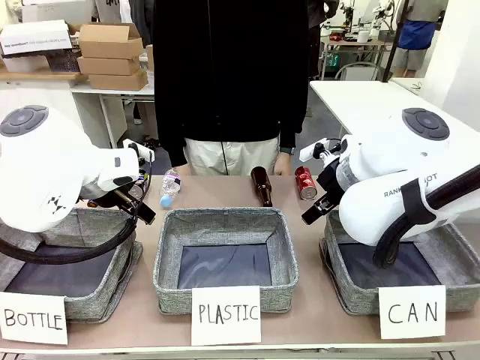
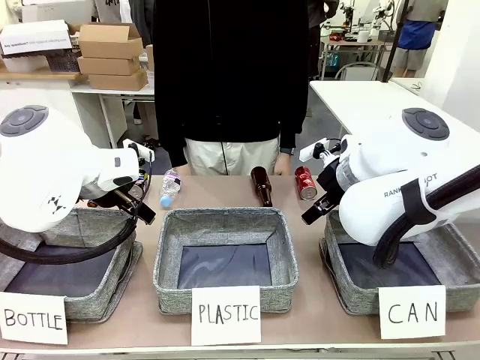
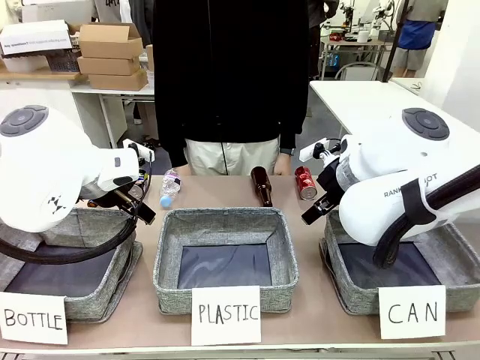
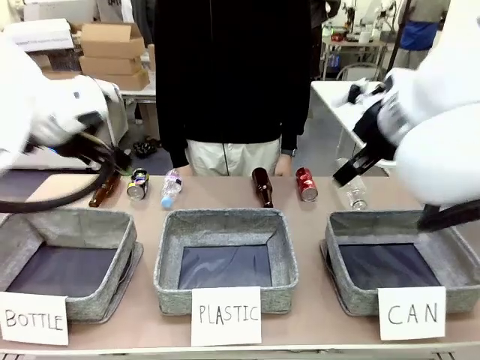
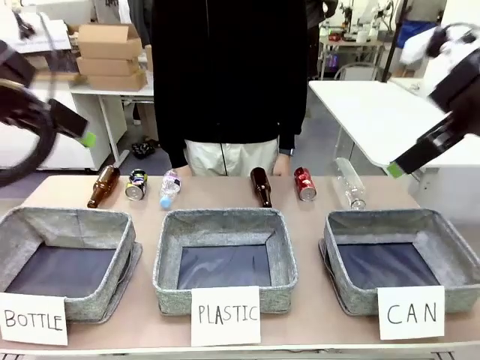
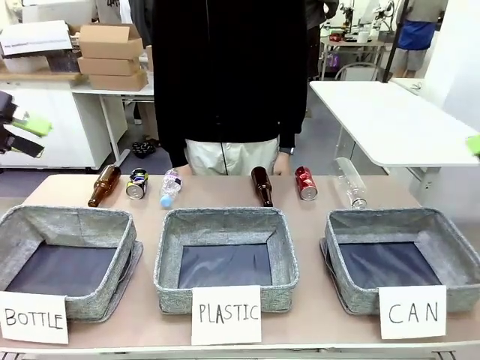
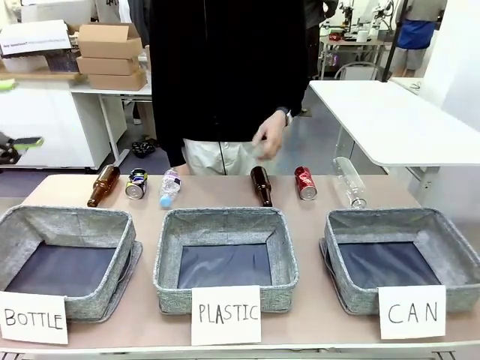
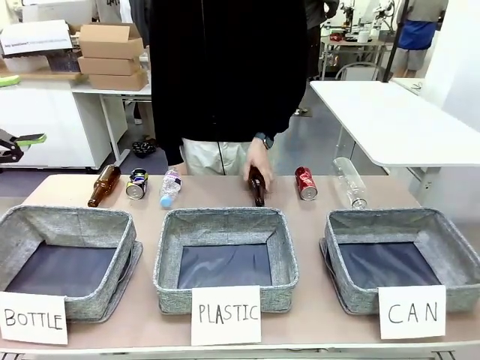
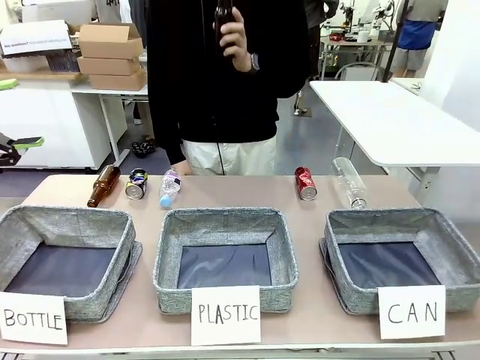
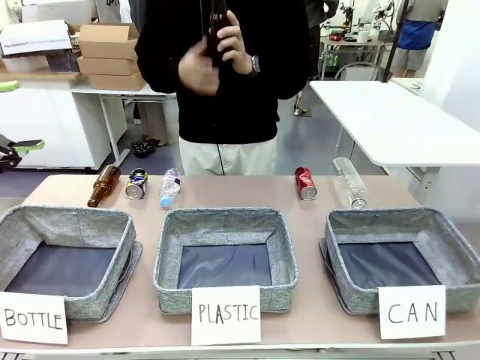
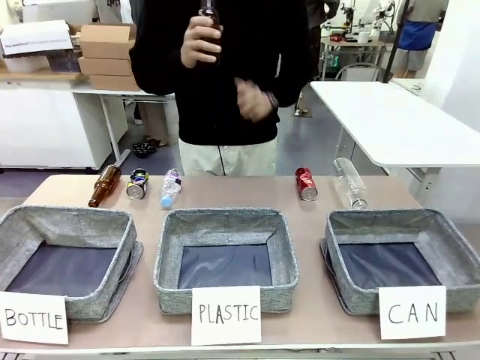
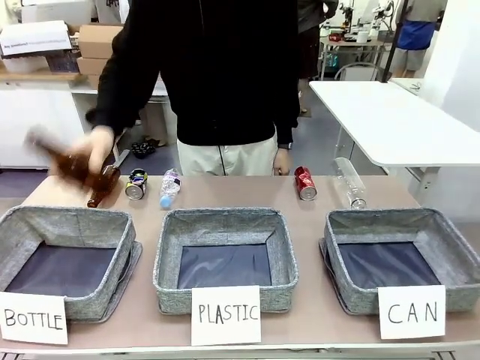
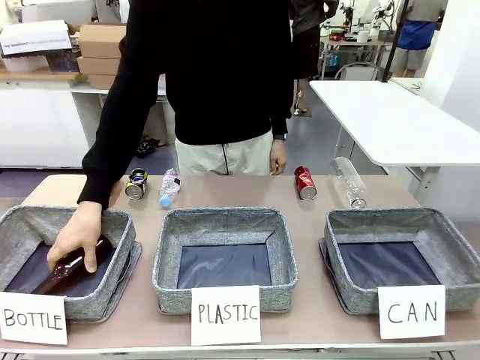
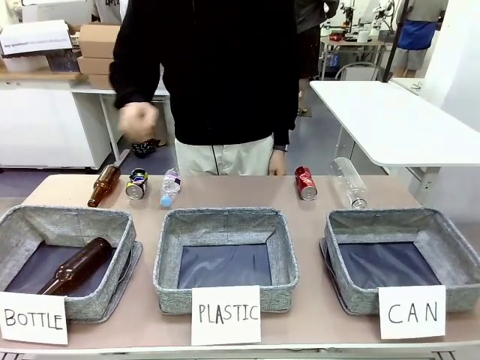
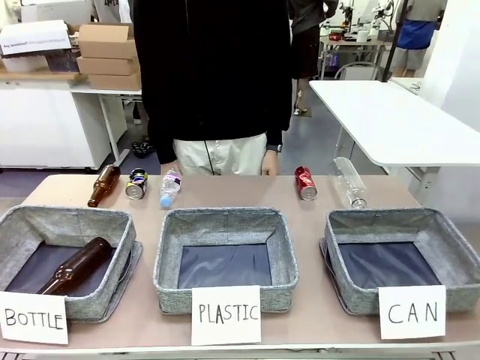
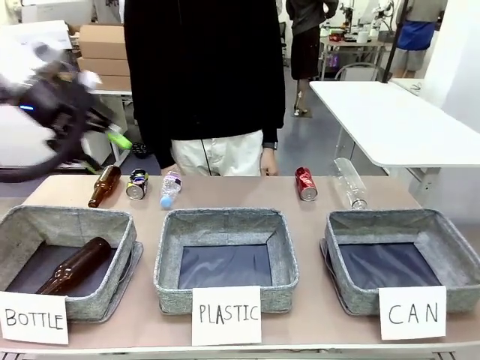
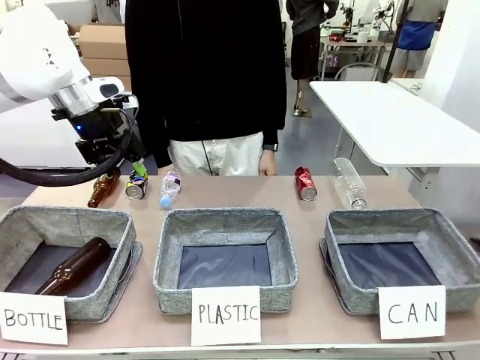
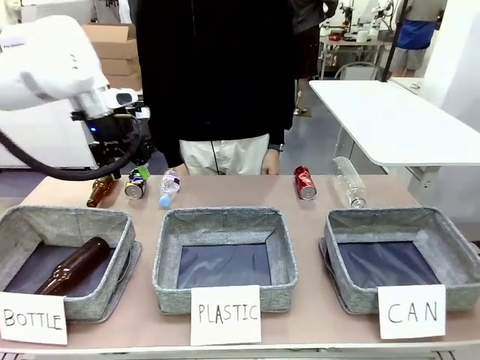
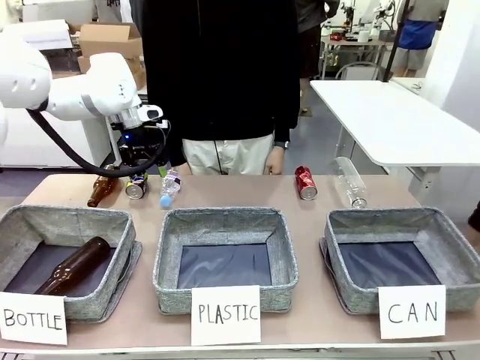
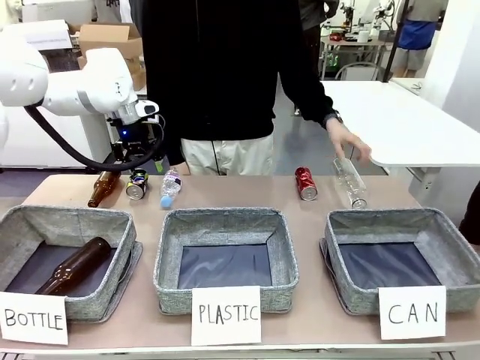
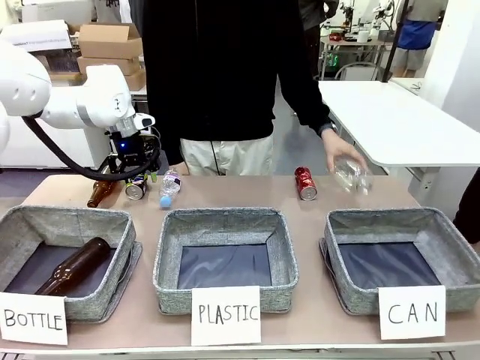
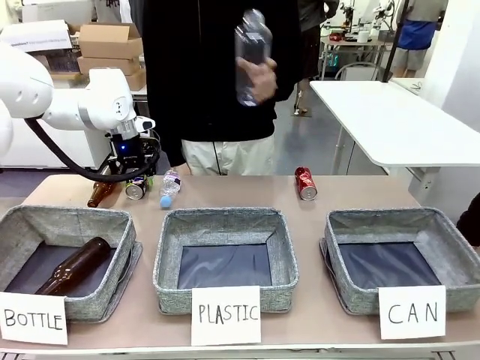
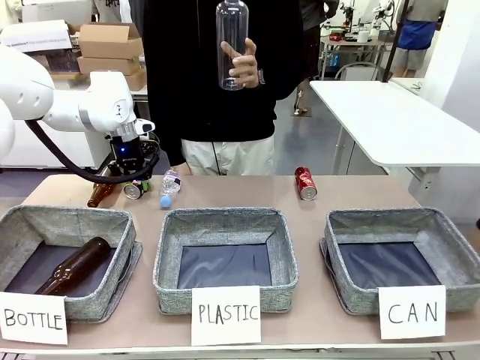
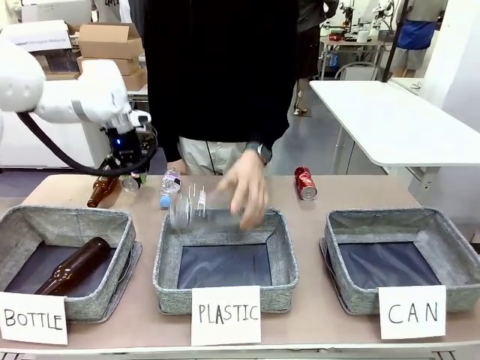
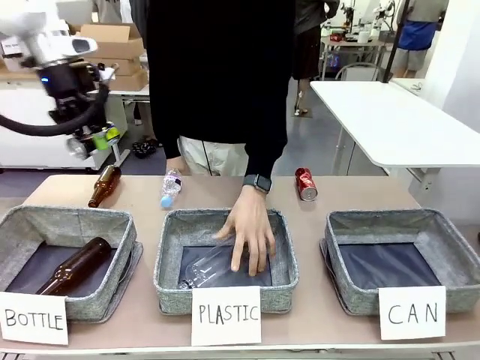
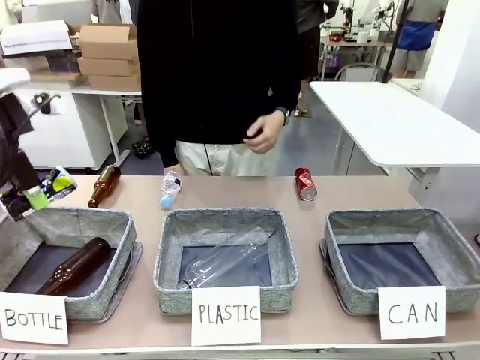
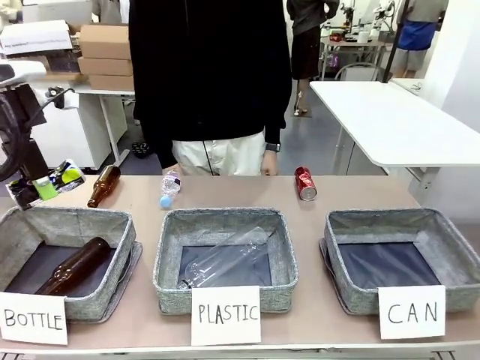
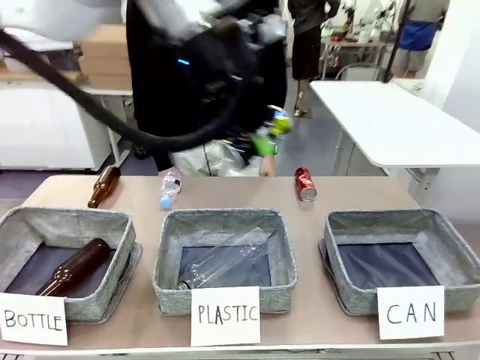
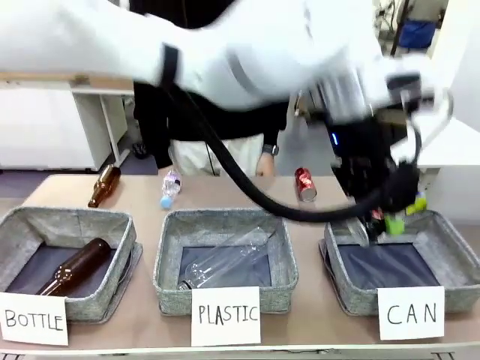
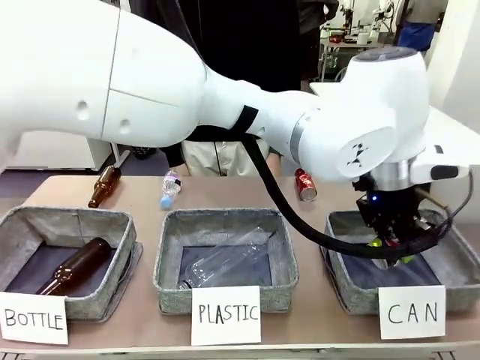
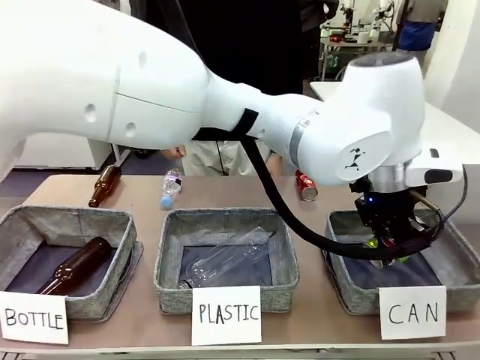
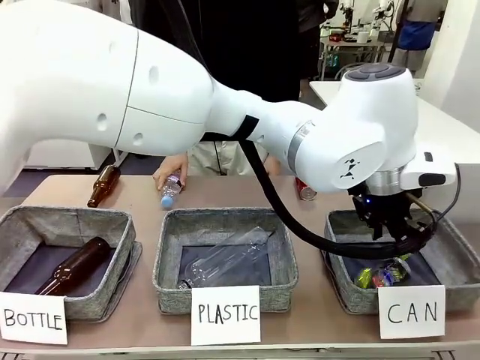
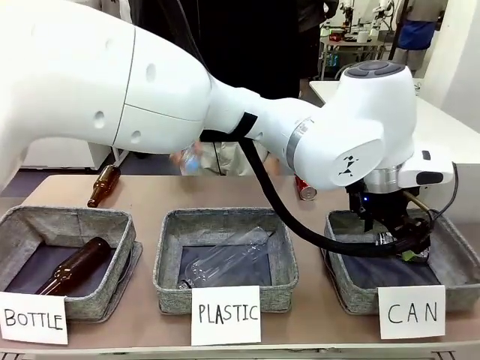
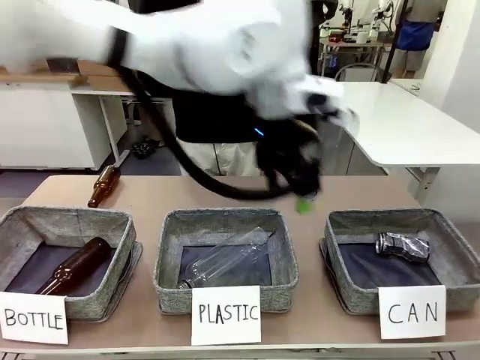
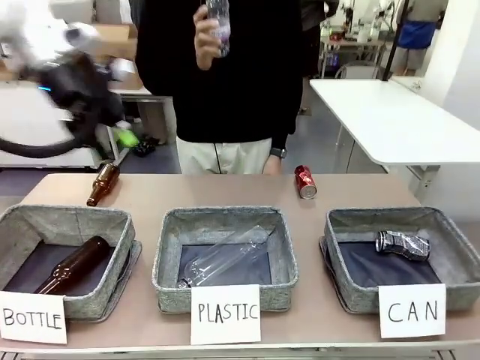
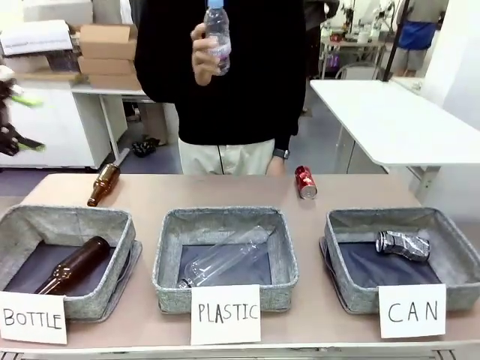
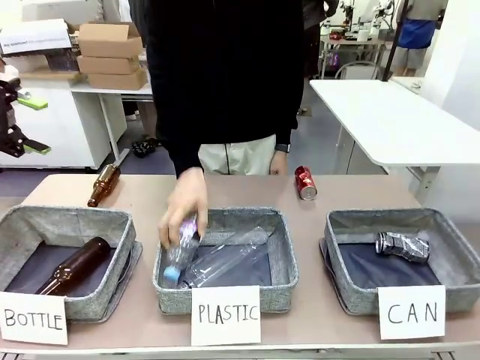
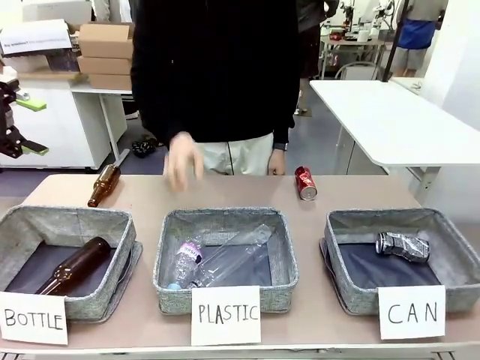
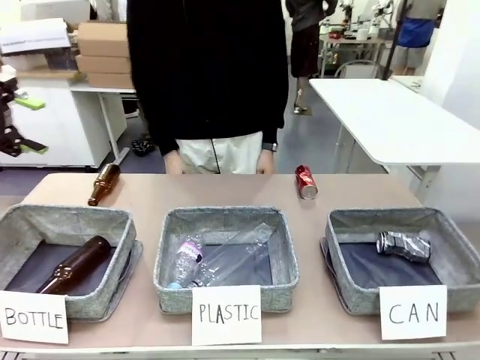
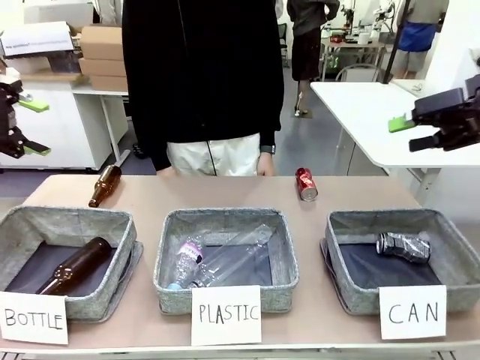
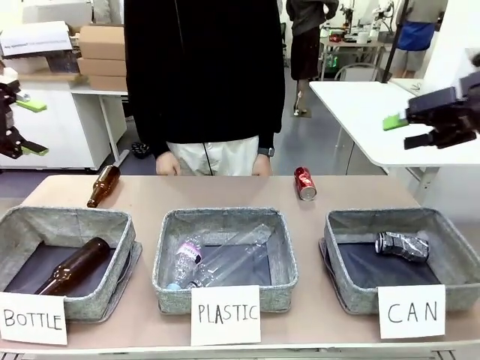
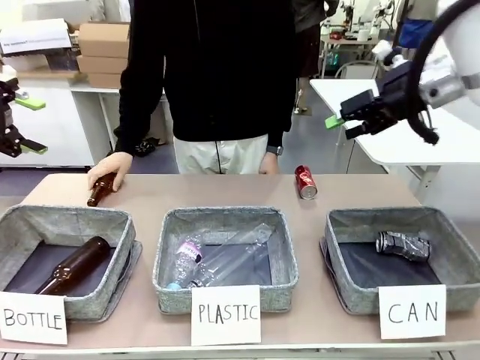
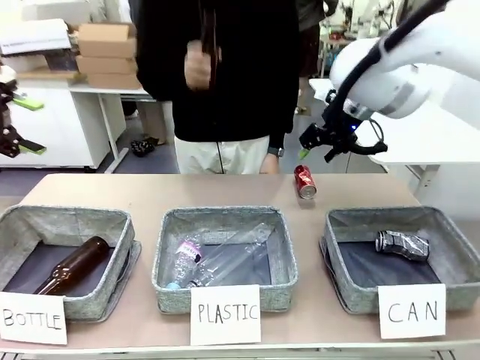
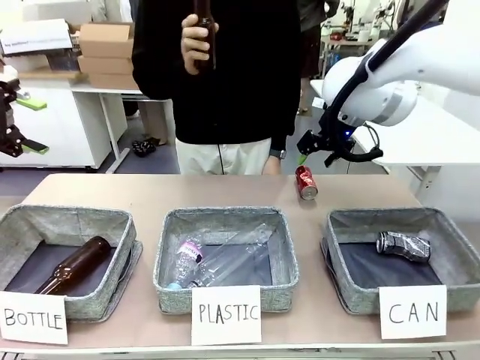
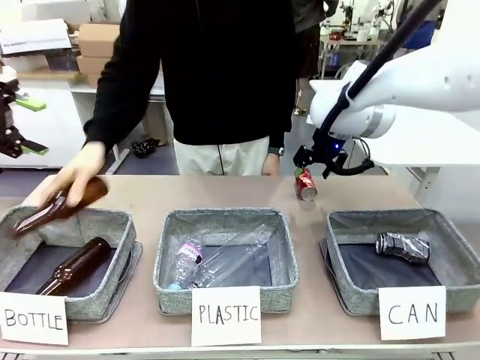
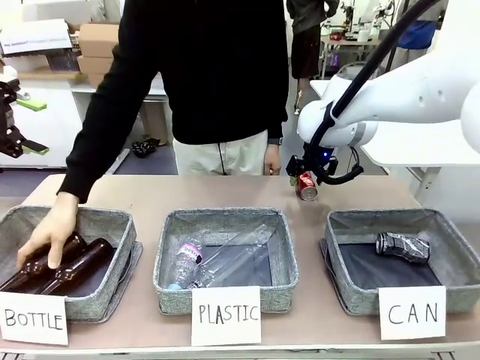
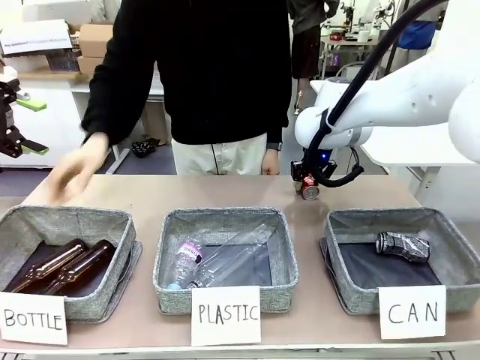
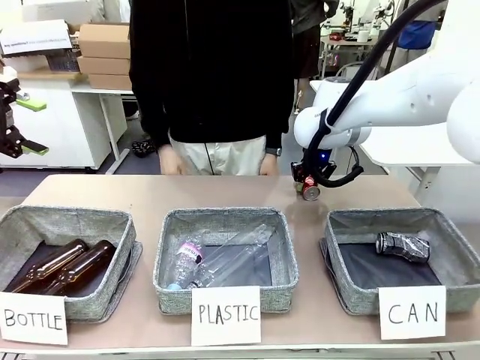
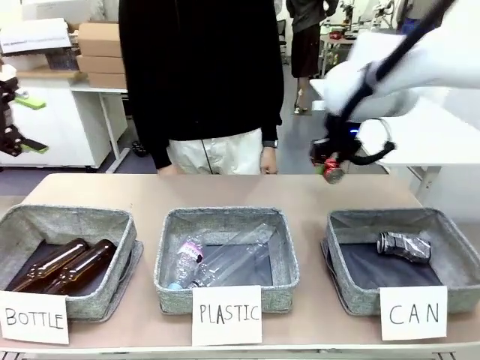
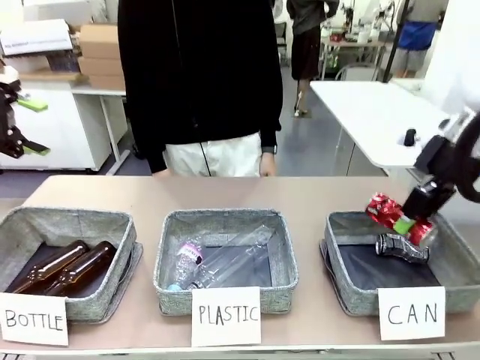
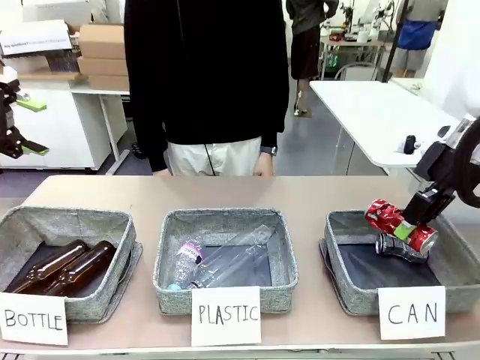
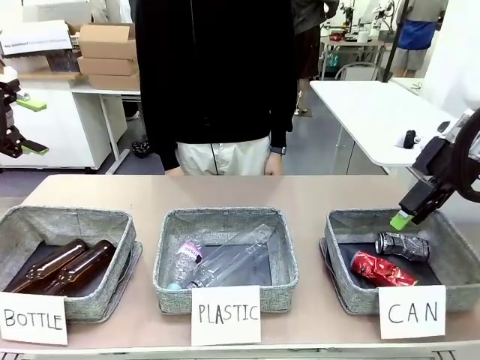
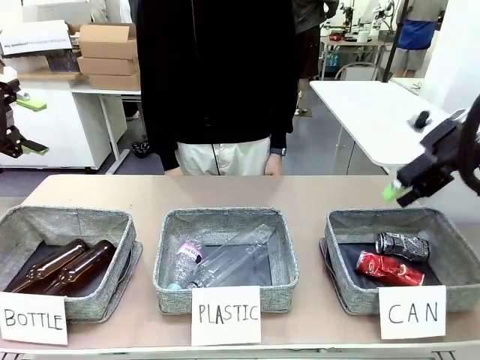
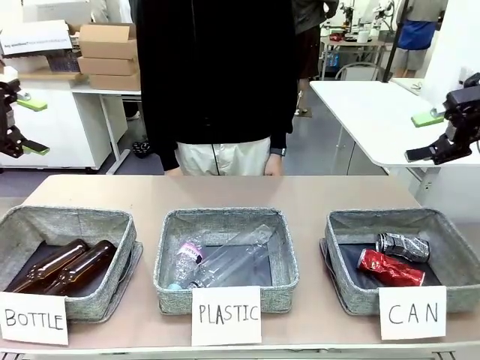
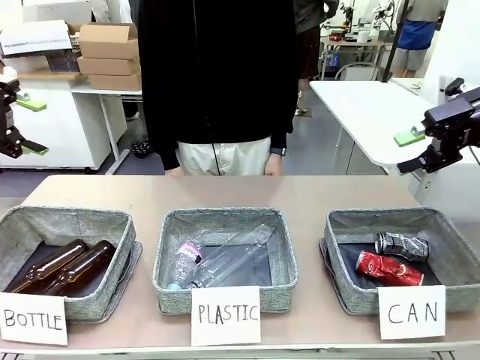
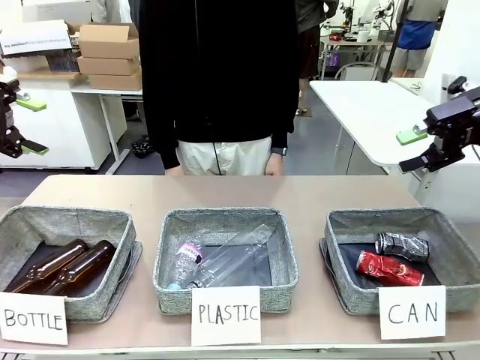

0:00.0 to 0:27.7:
Task: Sort the can waste into the basket.
Robot: Pick up the can waste from the table and place it in the right Fabric basket.
Person: The human picks up one piece of trash that is not a can and places the trash into the appropriate organizing basket.
